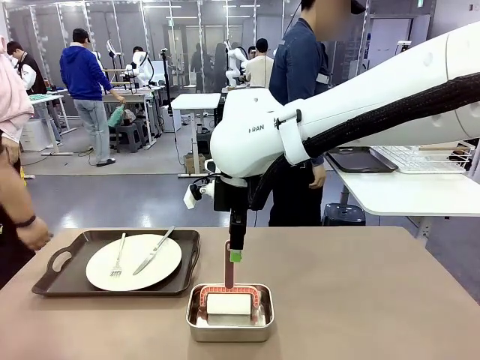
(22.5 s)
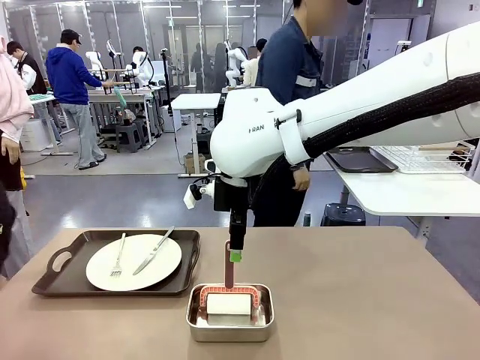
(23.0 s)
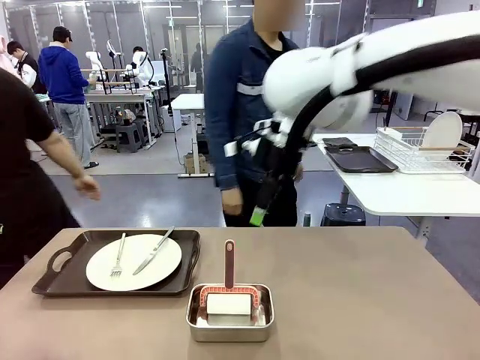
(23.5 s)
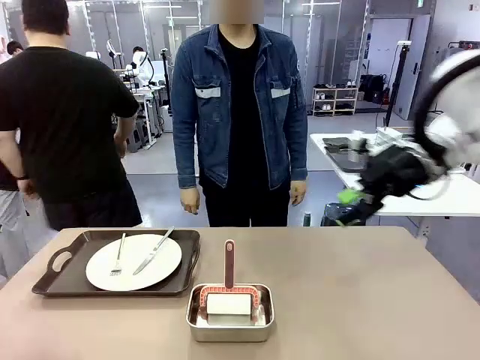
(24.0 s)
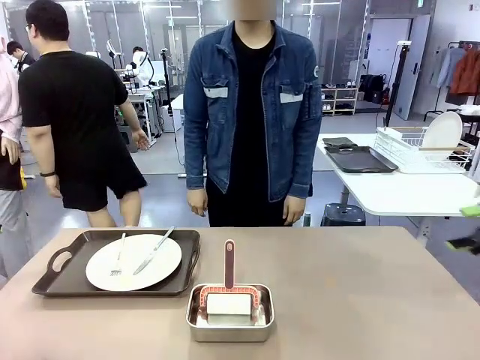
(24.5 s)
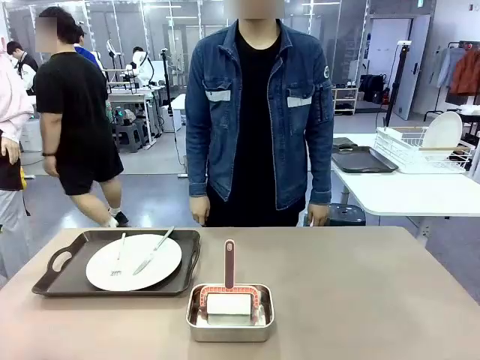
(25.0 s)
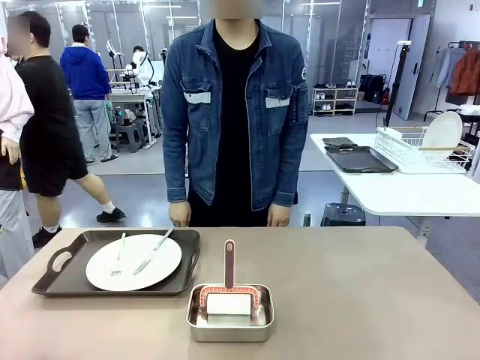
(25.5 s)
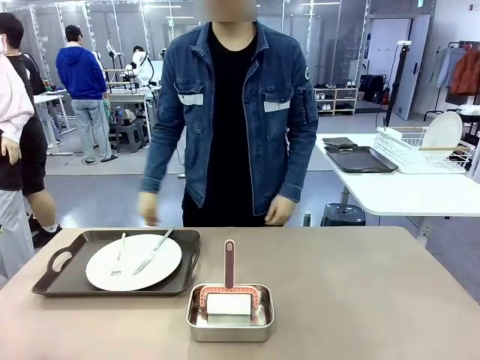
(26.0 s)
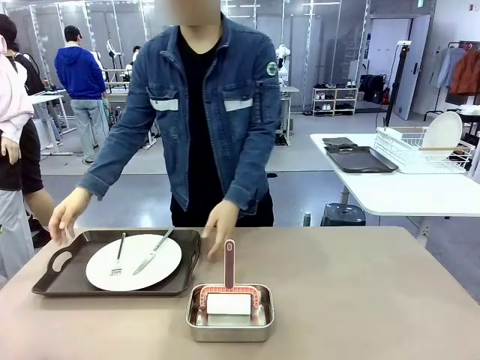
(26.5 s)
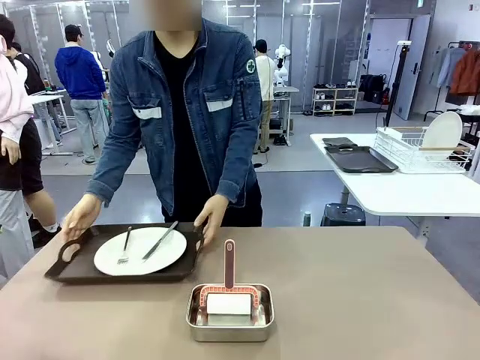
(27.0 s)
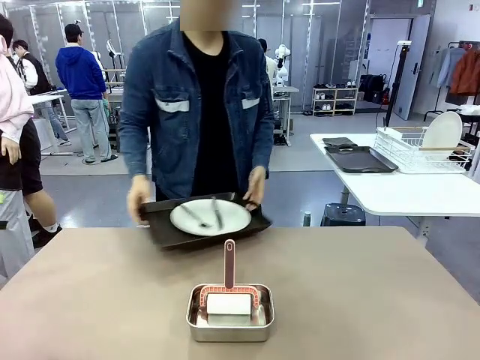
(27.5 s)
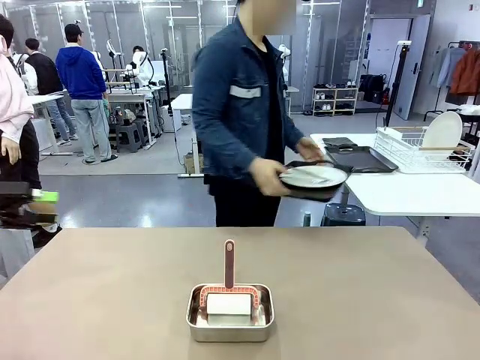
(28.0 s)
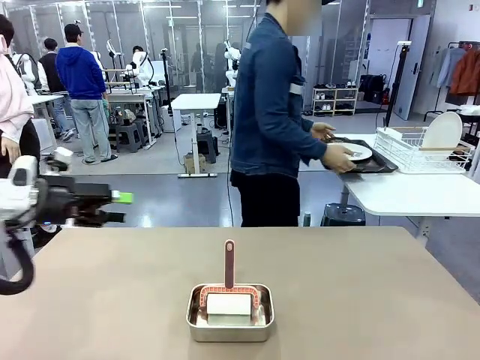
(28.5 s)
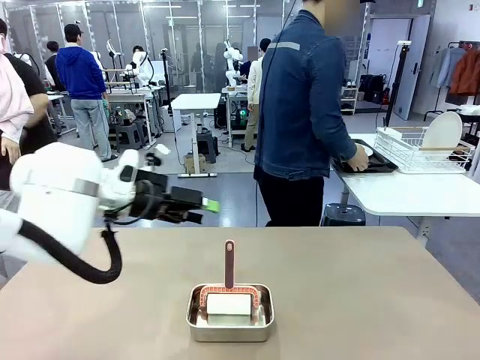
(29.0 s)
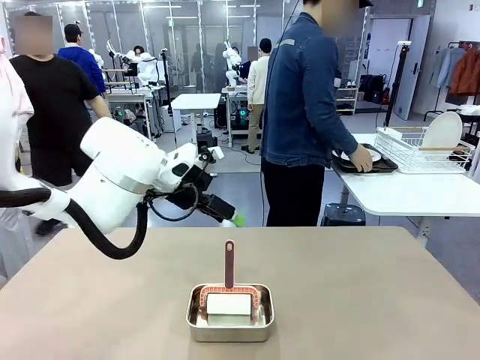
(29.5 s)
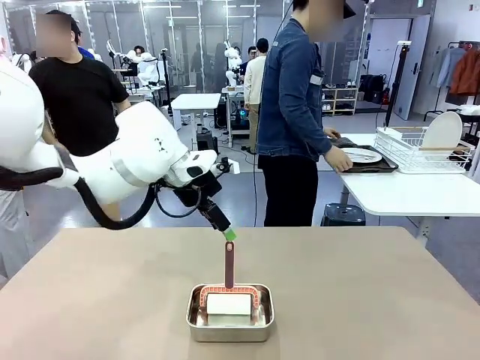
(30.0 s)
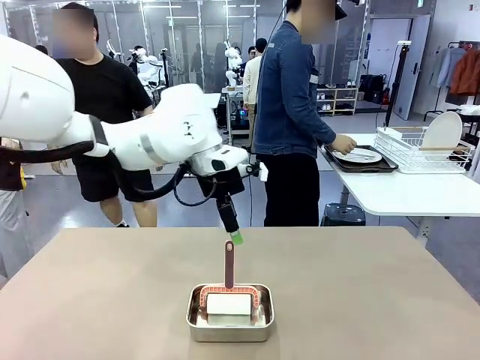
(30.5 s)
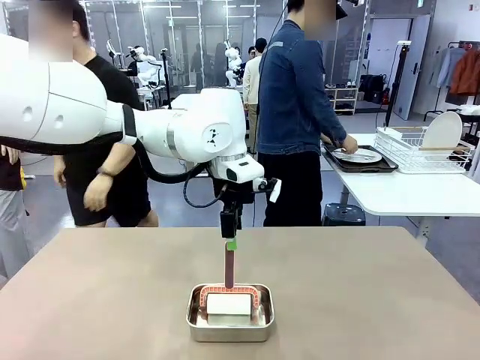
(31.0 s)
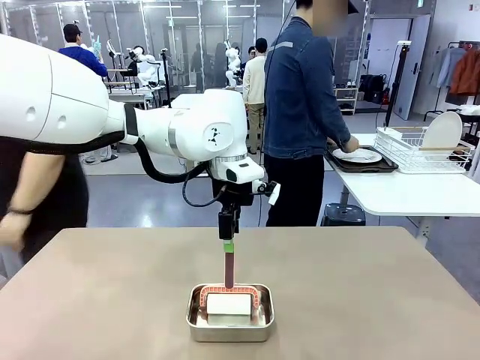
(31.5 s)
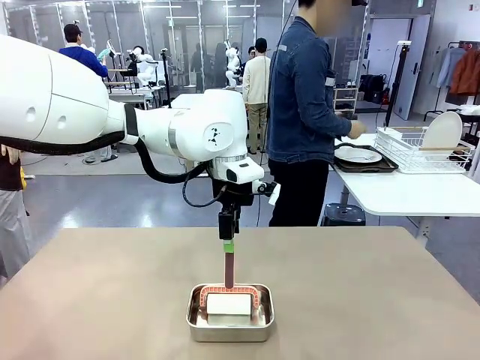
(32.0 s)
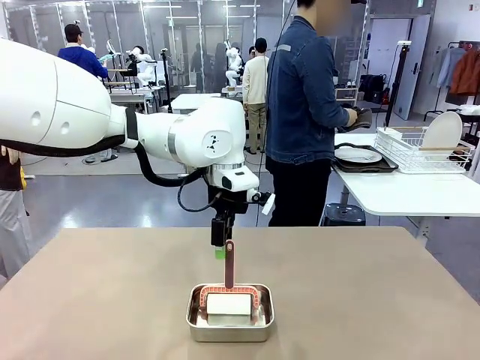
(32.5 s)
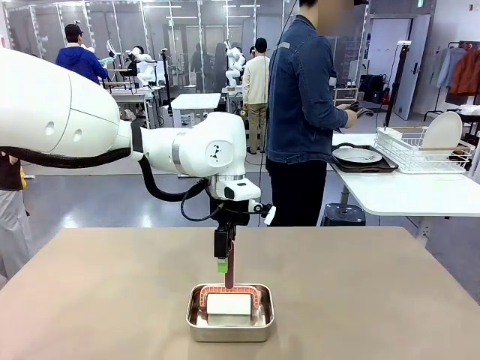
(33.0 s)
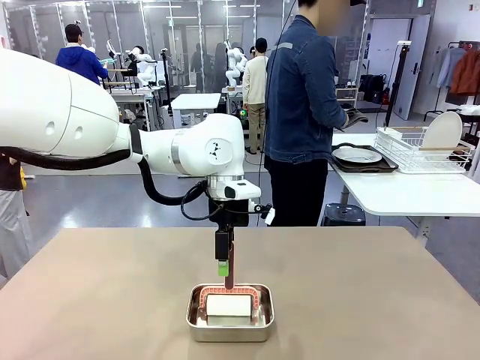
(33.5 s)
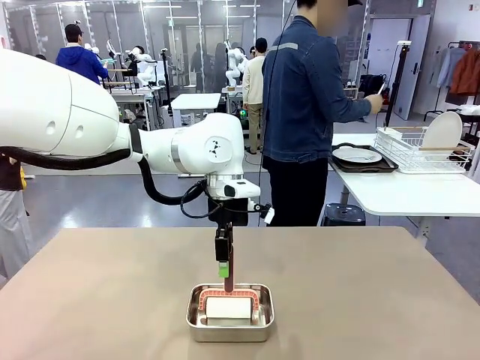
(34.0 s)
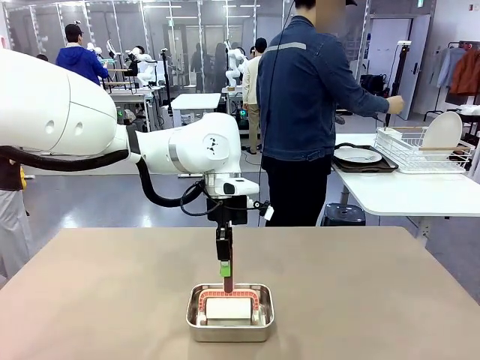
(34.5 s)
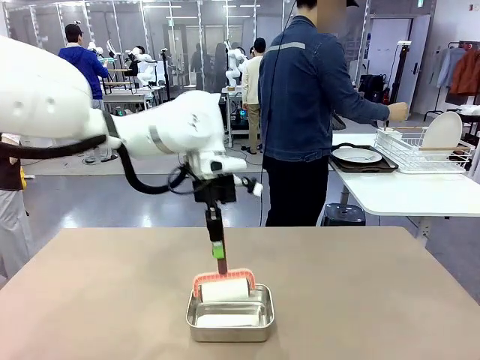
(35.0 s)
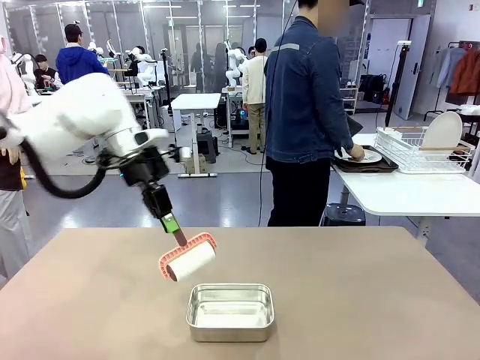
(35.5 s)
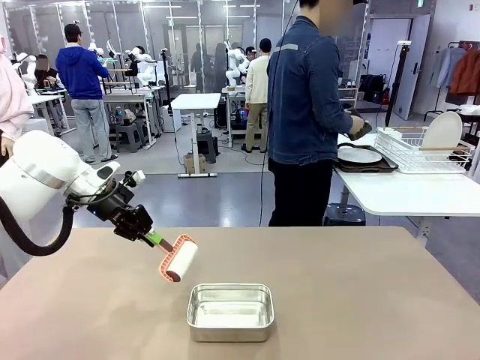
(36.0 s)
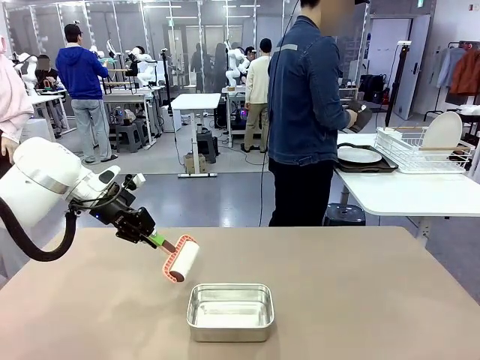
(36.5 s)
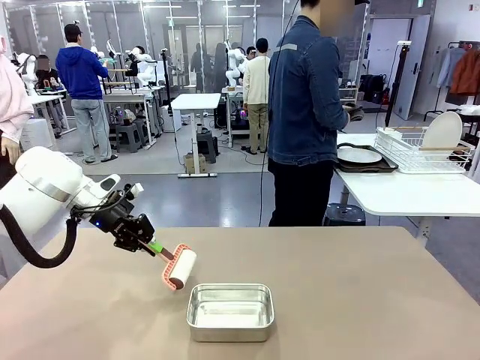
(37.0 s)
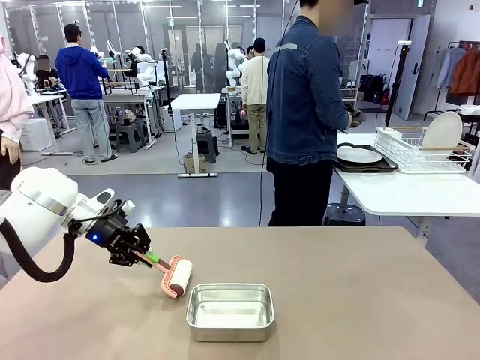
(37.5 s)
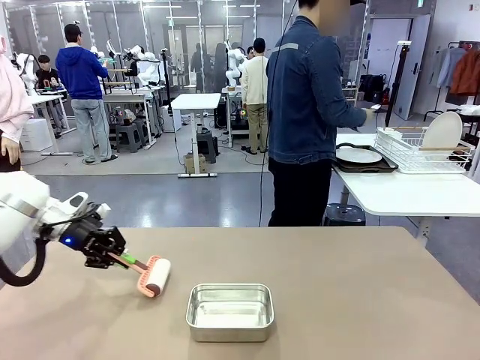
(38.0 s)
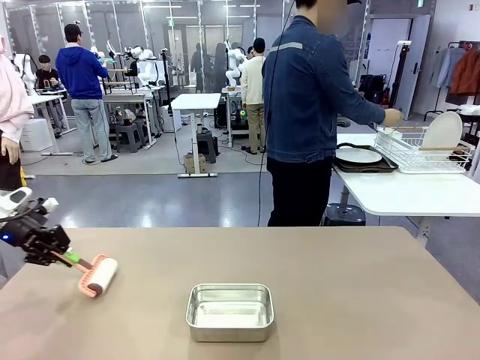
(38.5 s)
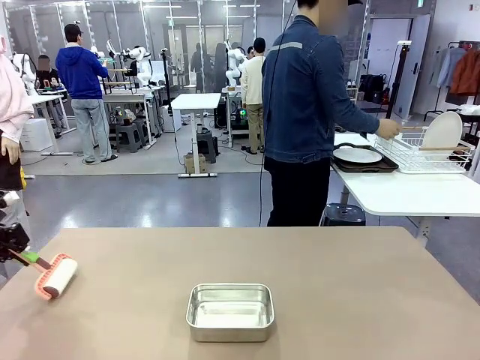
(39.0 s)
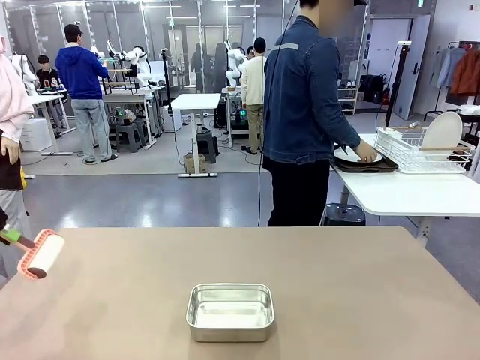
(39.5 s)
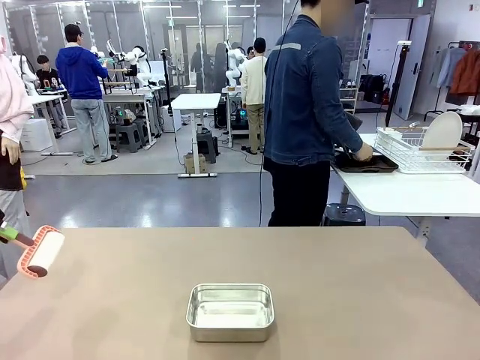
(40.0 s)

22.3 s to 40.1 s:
Robot: When the right (or left) Handle tray is removed, use the right hand (or left hand) to clean the right (or left) side of the table with the Lint Roller.
Person: Pick up the left (or right) Handle tray and place it on the Handle tray. Use the Towel with hook to wipe the Plastic Matte Plate , Fork , and Knife and place into the Dish drying rack.

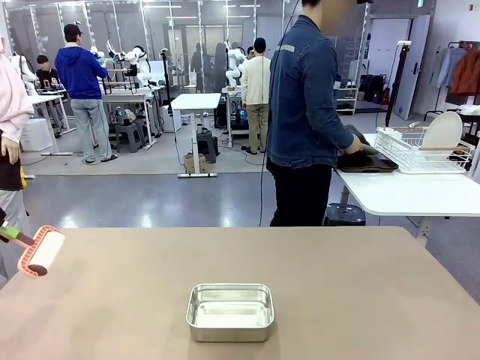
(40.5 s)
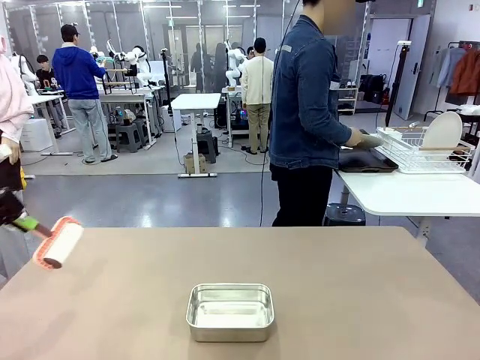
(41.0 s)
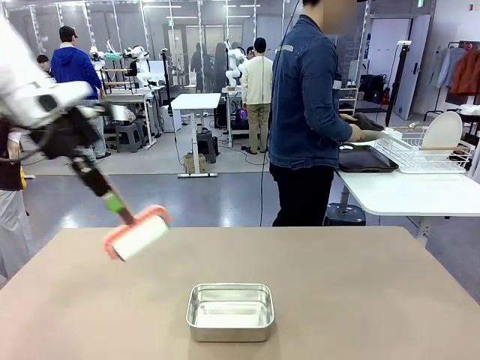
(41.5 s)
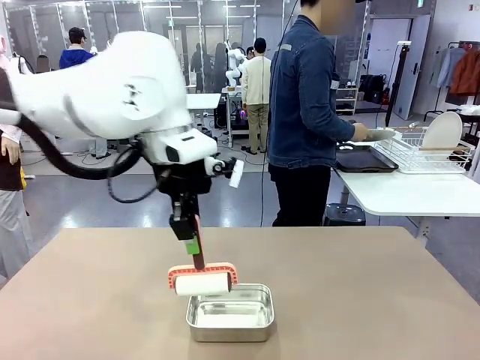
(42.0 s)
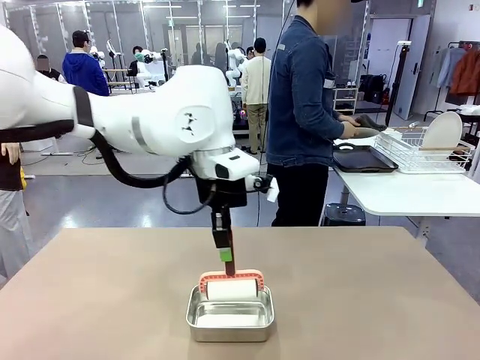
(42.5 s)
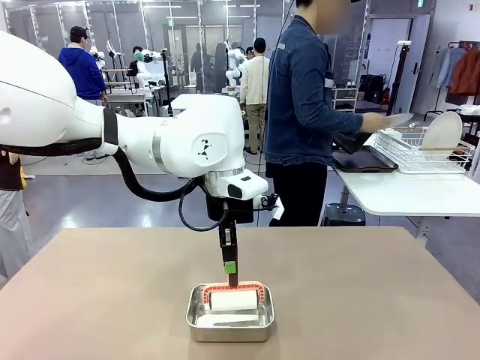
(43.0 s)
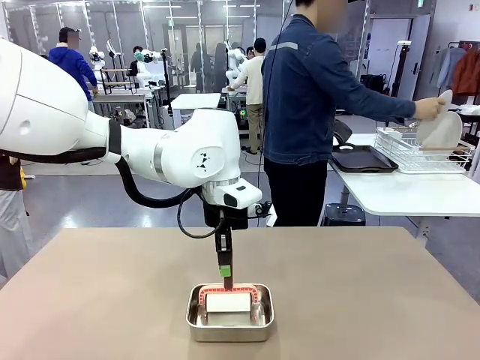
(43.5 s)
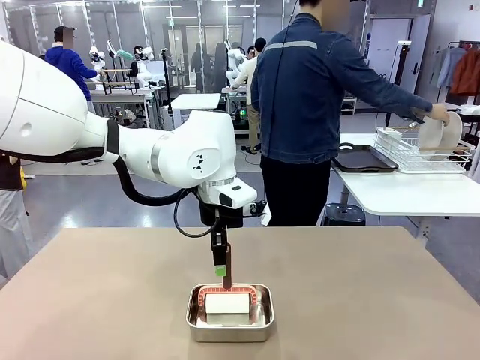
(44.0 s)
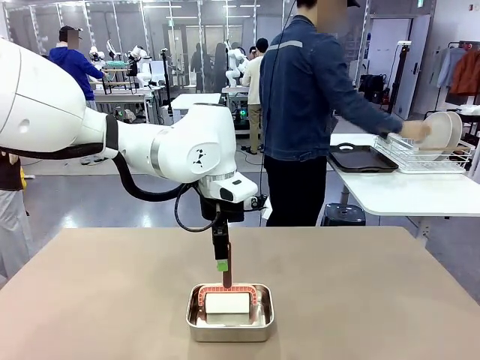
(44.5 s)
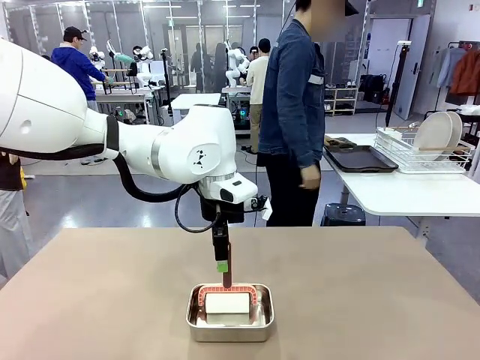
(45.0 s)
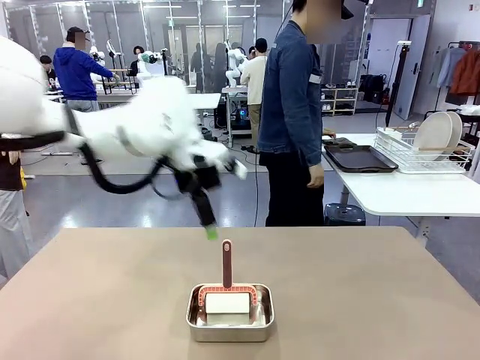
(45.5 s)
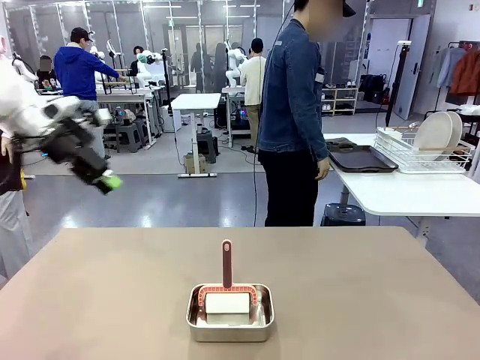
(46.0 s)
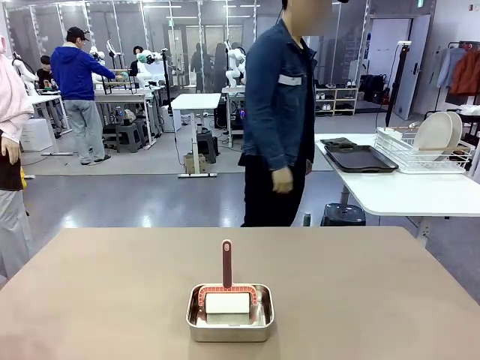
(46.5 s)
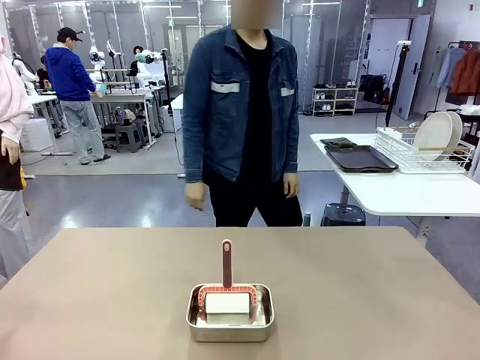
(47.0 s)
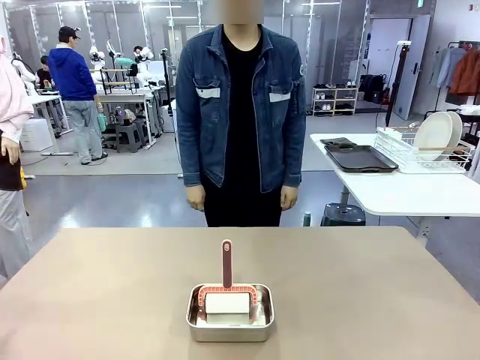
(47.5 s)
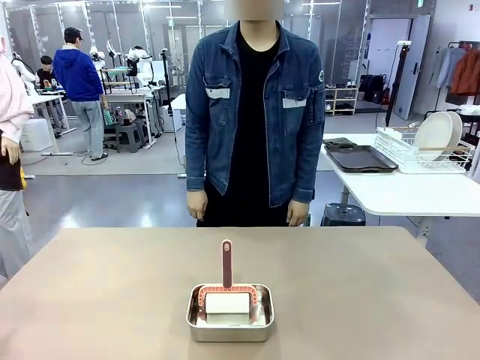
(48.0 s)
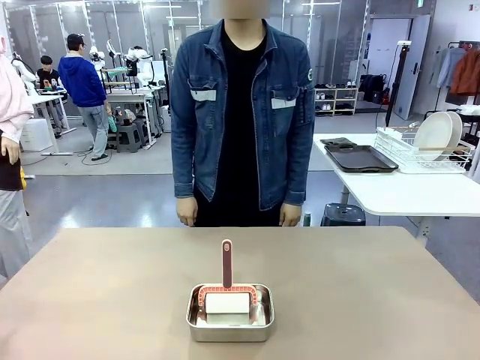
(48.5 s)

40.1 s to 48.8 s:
Robot: Place the Lint Roller back on top of the Airtight Container.
